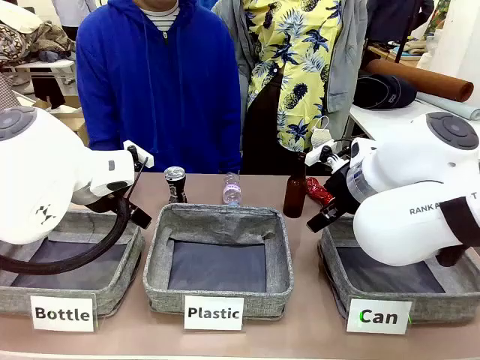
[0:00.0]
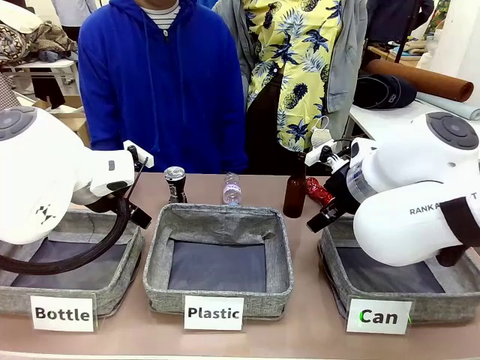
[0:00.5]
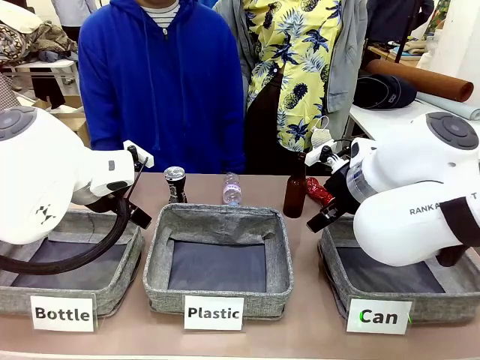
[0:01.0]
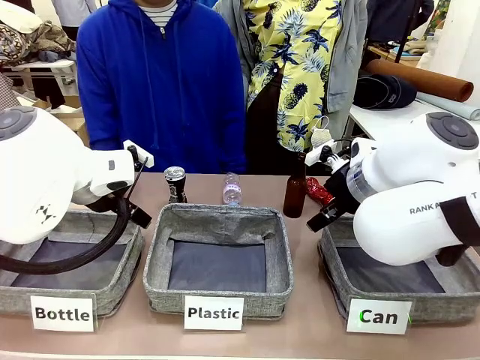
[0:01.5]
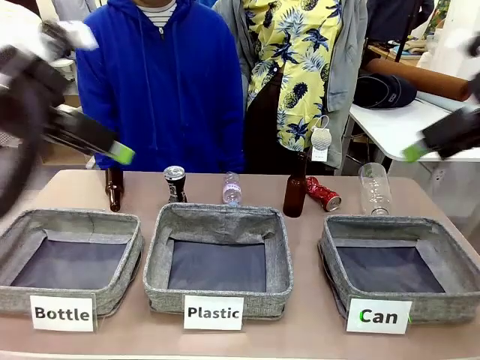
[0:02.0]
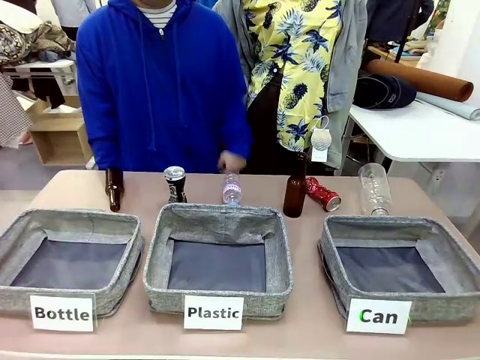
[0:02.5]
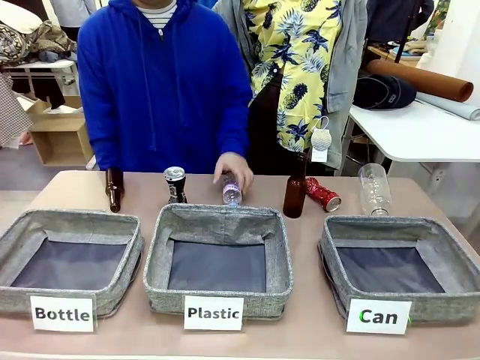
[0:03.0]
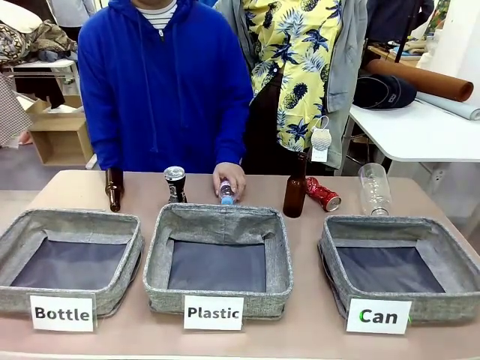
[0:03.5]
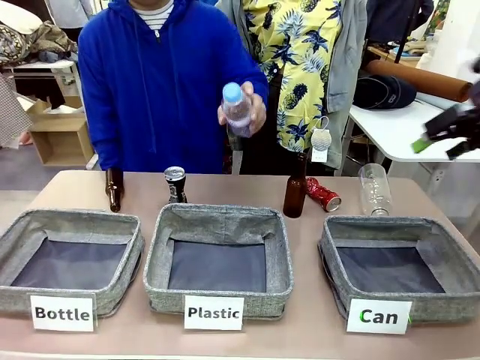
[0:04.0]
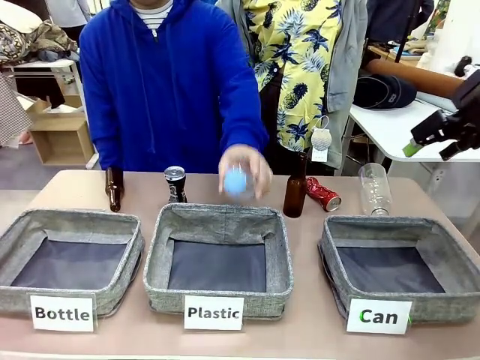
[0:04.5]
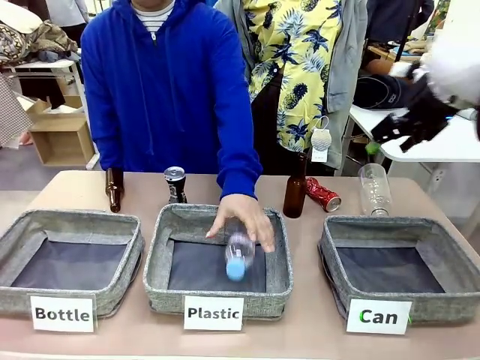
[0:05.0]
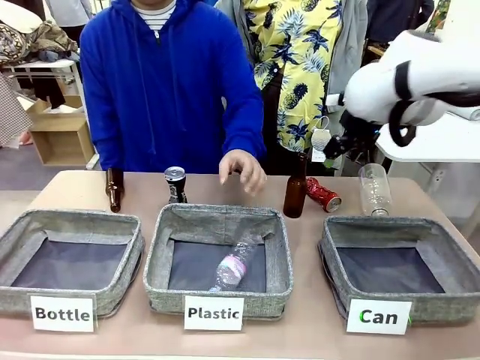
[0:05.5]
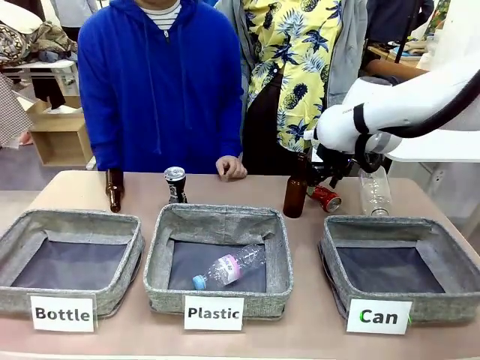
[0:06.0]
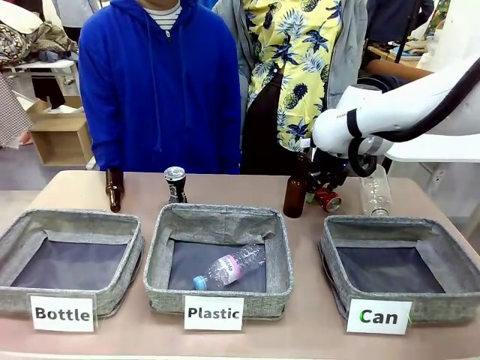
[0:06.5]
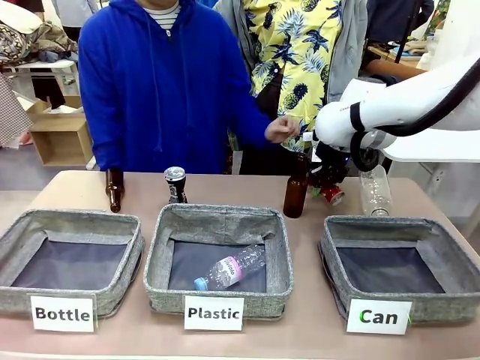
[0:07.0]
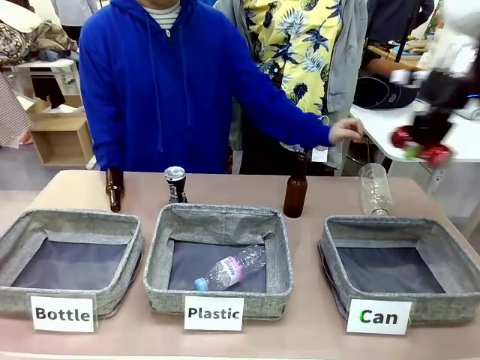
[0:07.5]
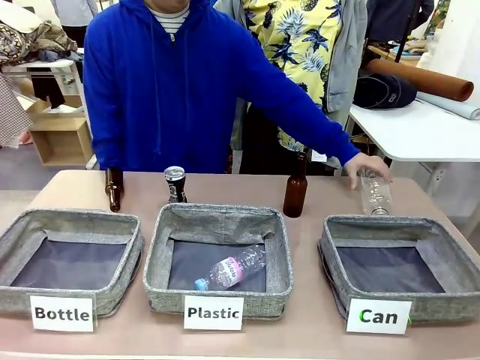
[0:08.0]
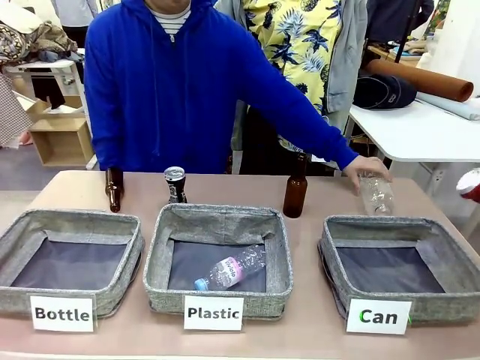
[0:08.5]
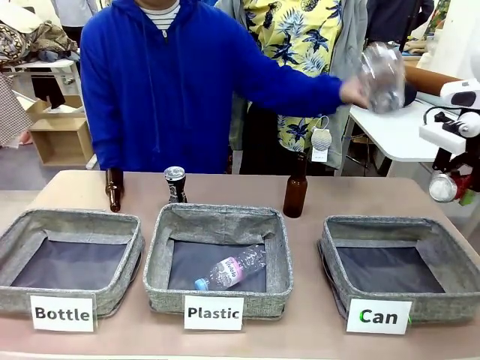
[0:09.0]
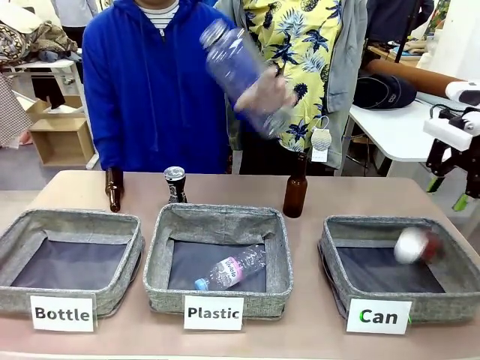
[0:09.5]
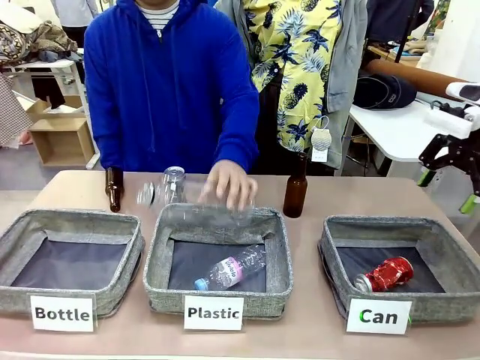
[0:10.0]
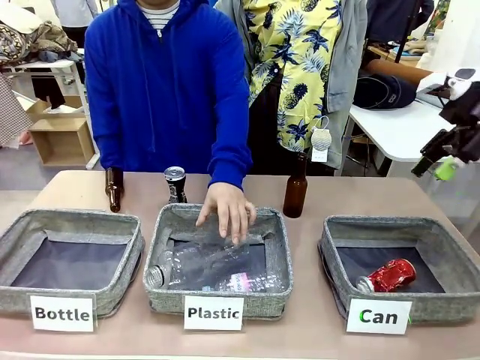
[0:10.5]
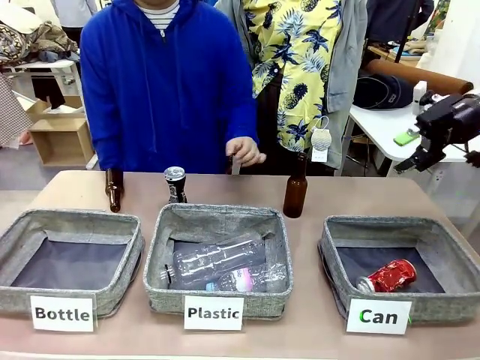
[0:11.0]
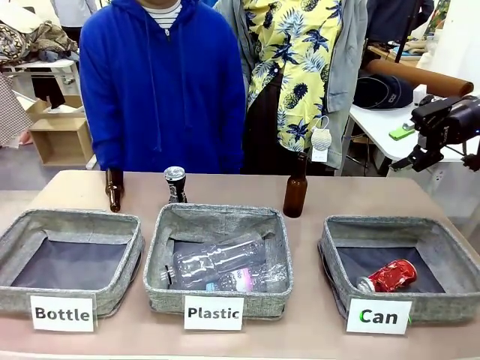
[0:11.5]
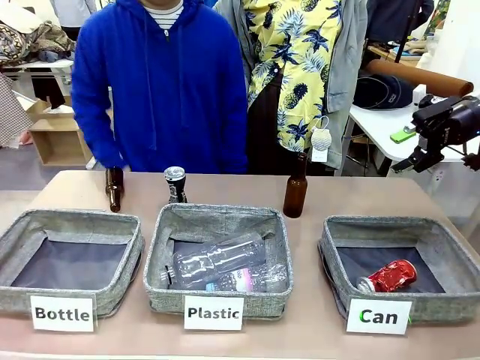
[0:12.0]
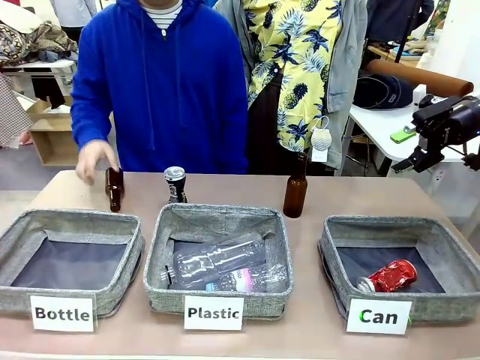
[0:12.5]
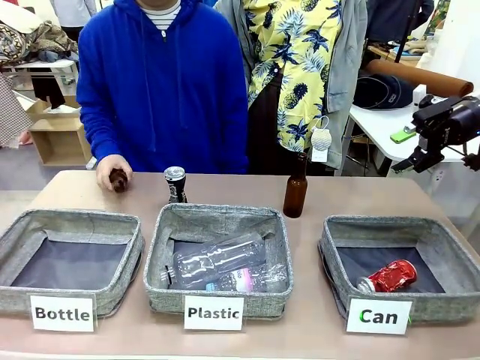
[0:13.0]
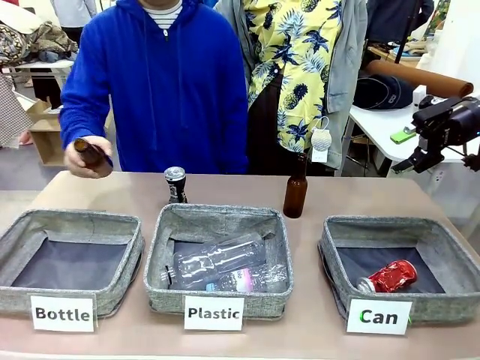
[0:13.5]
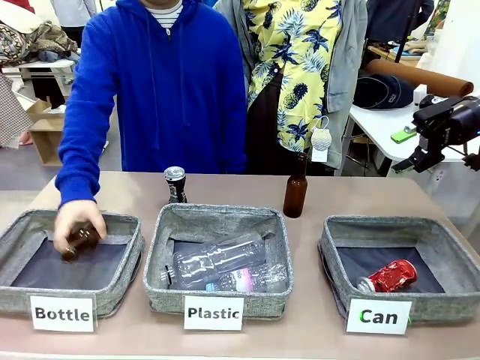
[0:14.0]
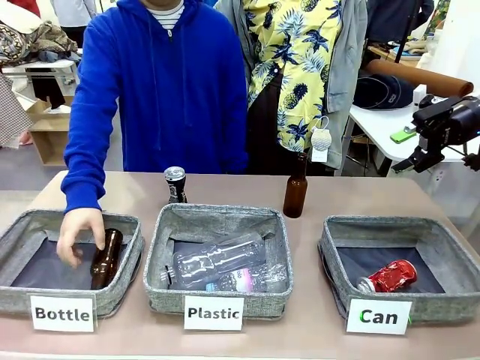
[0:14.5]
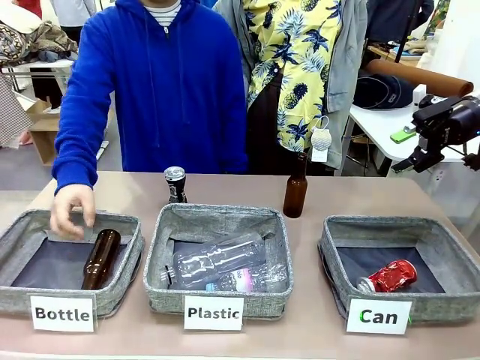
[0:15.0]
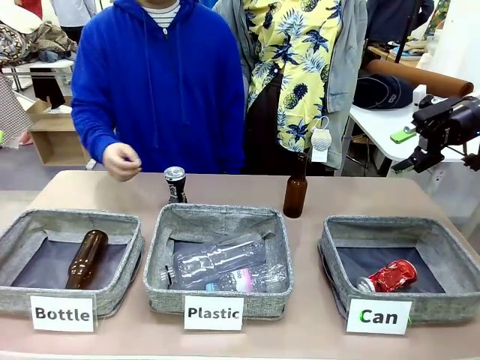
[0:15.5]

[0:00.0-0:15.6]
Task: Sort the can waste into the basket.
Robot: Pick up the can waste from the table and place it in the right Fabric basket.

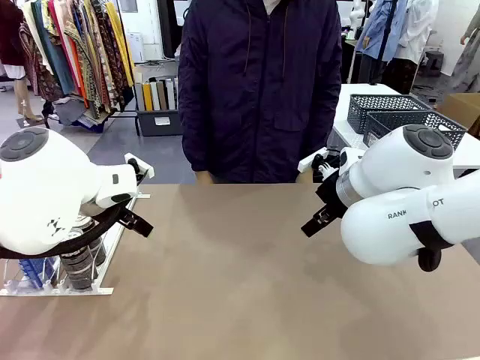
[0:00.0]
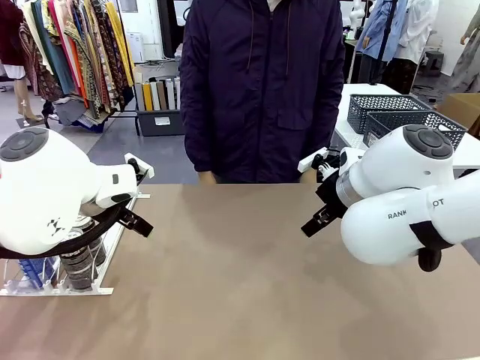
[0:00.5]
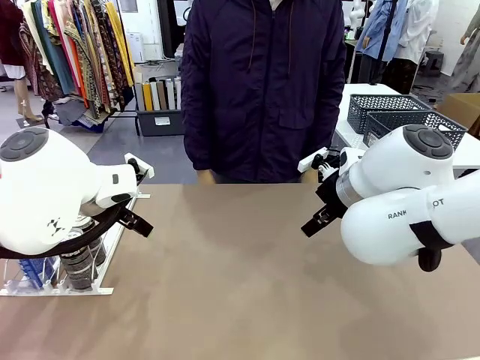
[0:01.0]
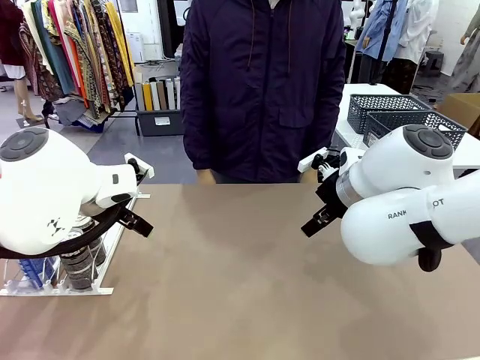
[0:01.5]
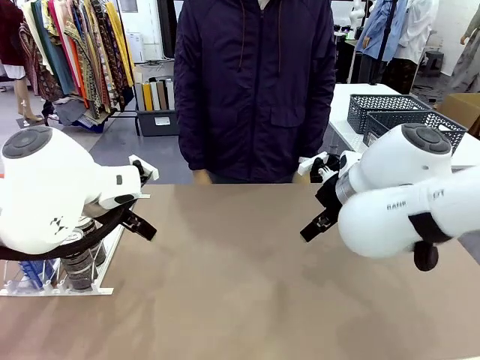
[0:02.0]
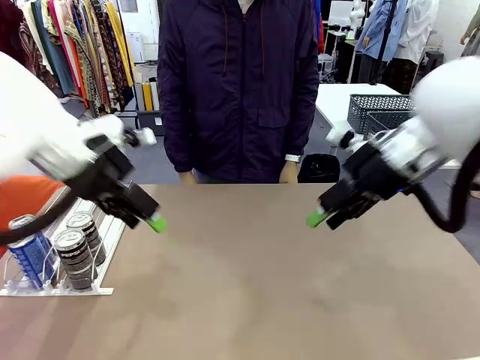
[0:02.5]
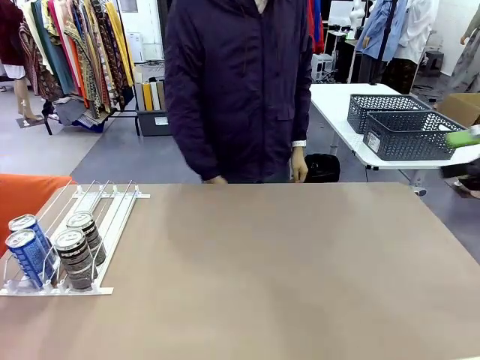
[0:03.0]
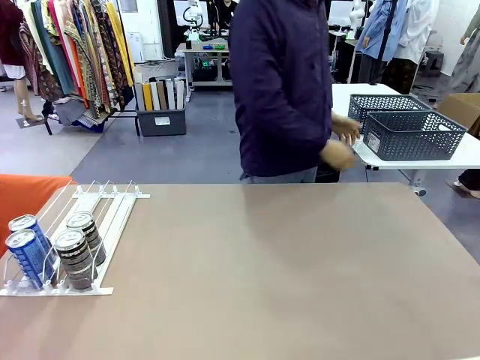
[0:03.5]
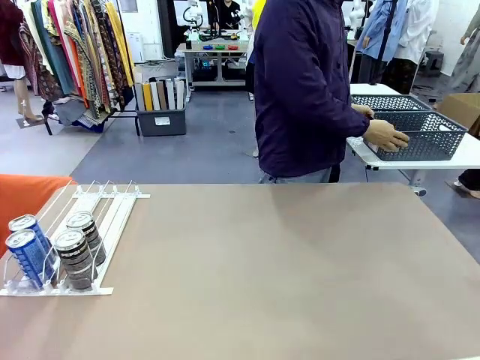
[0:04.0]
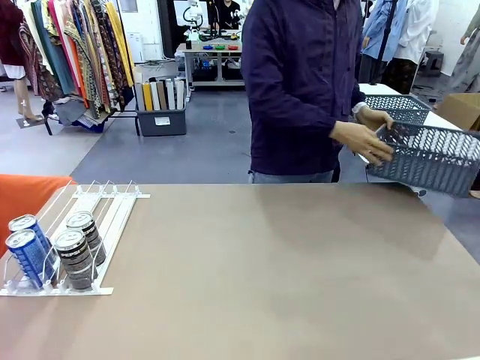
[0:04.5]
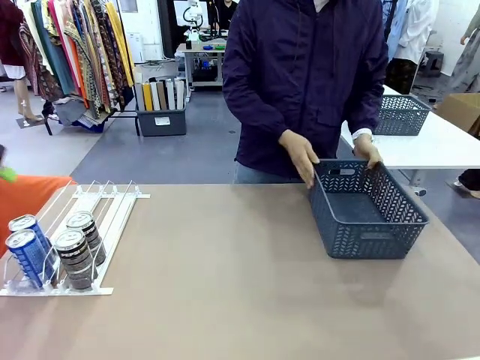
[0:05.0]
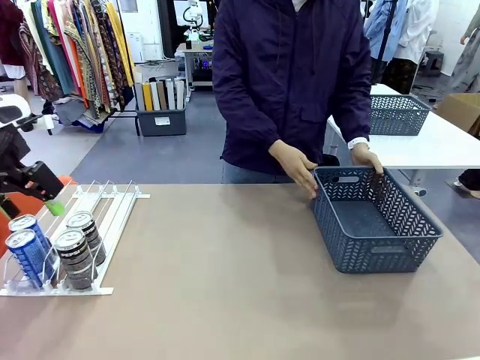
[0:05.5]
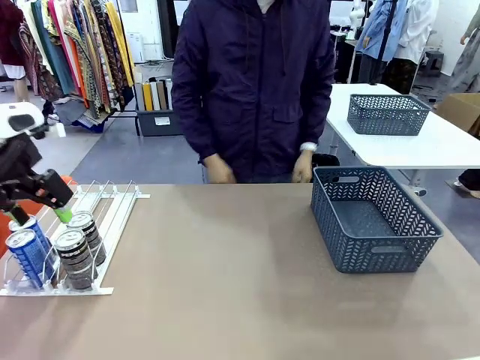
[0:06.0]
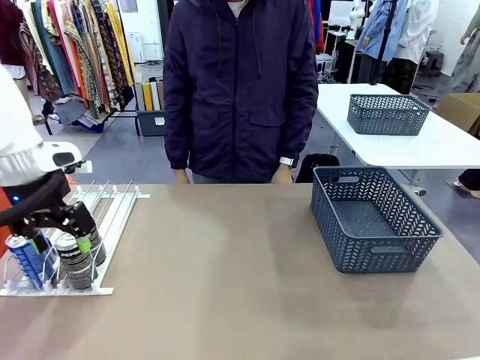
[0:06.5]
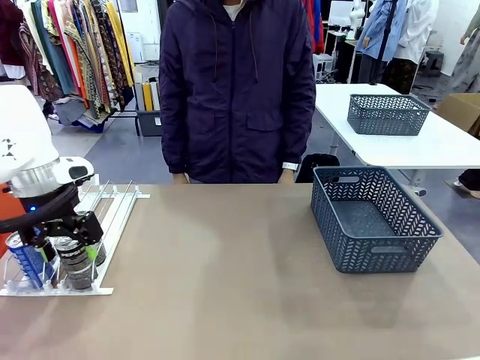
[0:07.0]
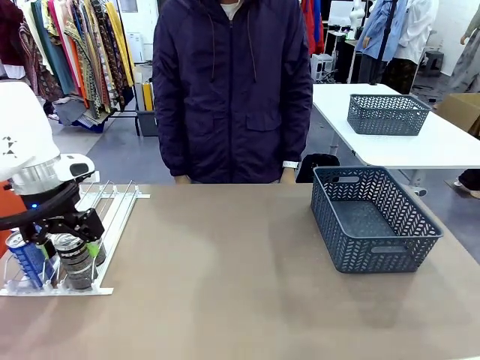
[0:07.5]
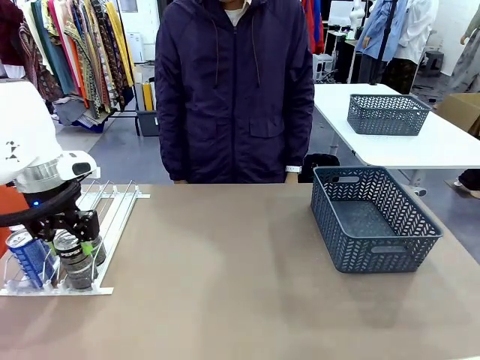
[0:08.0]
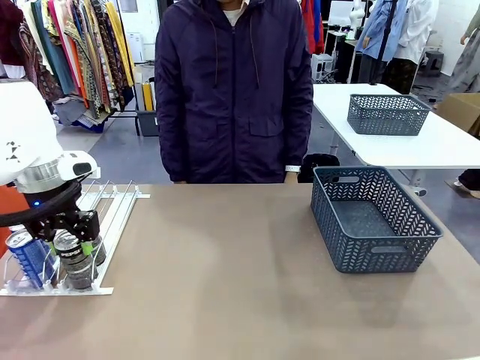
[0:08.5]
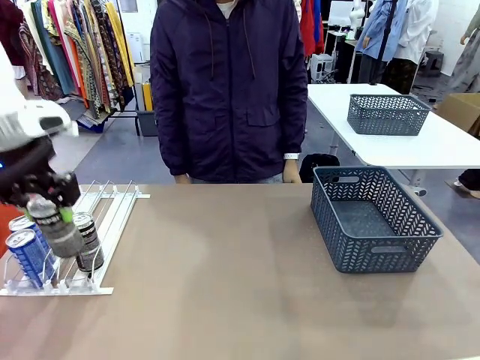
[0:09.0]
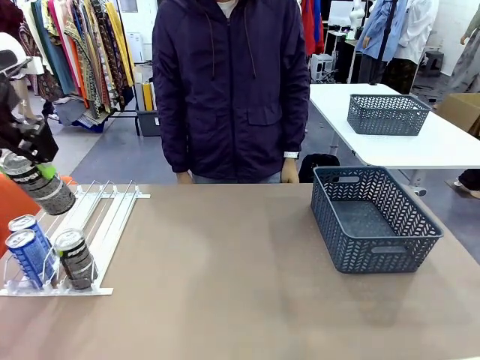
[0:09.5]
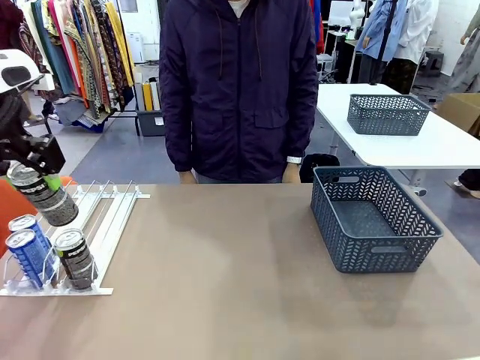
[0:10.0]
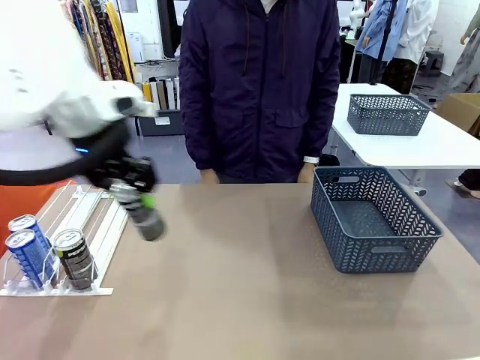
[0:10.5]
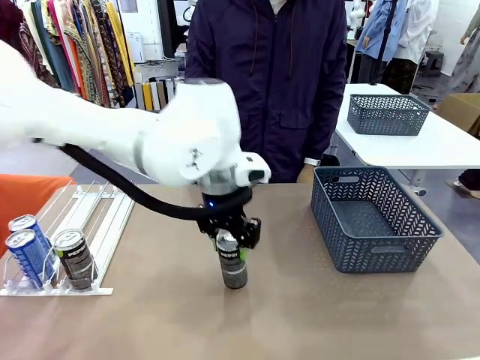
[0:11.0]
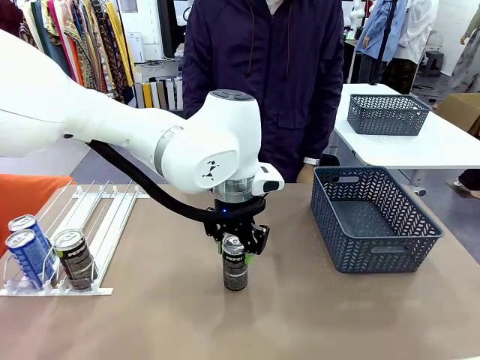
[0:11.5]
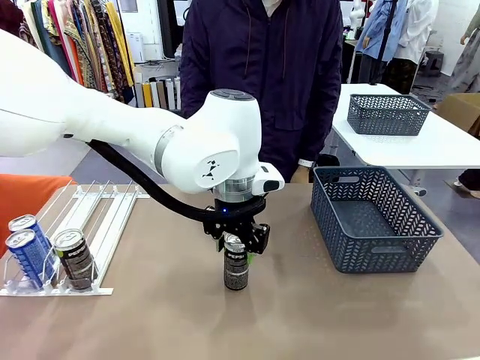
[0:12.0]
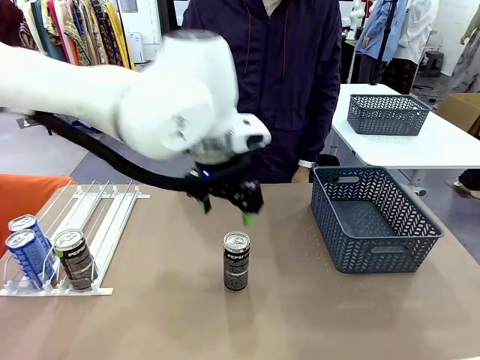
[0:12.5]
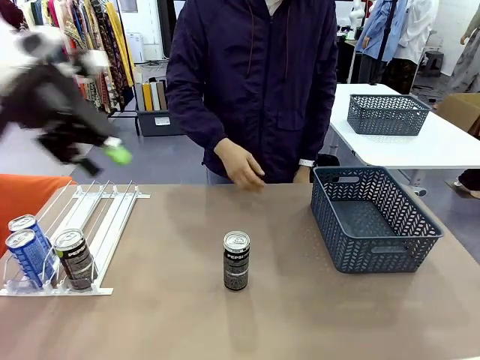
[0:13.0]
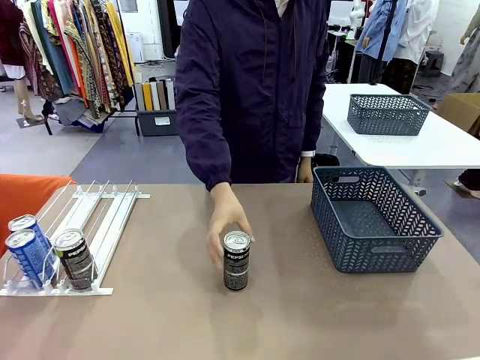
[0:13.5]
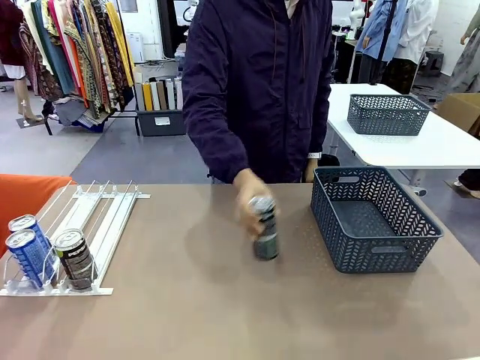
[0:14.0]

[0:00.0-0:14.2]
Task: Retrieve and store the cans from the dispenser.
Robot: Pick up one can from the Automatic Can Dispenser and place it in the middle of the table.
Person: Pick up the basket and place it on the left side of the robot table.
